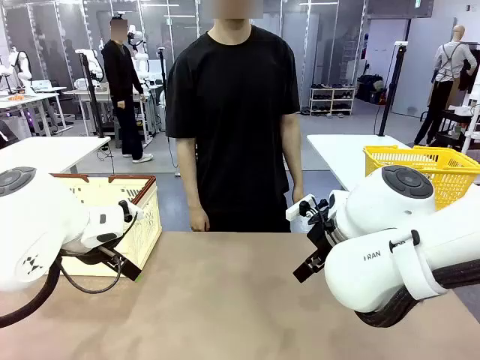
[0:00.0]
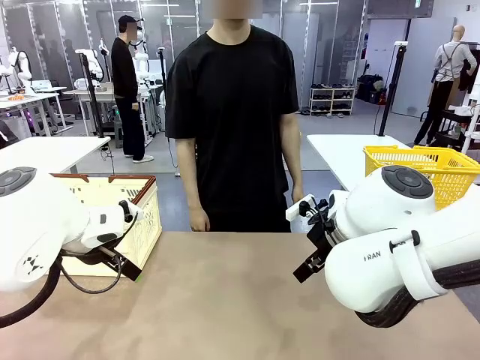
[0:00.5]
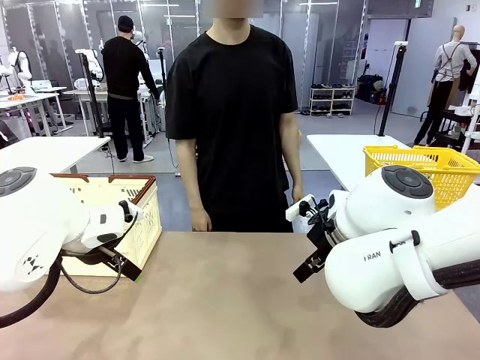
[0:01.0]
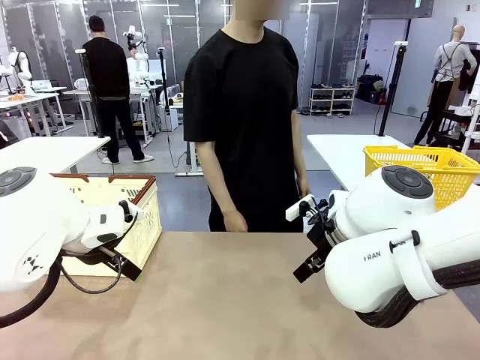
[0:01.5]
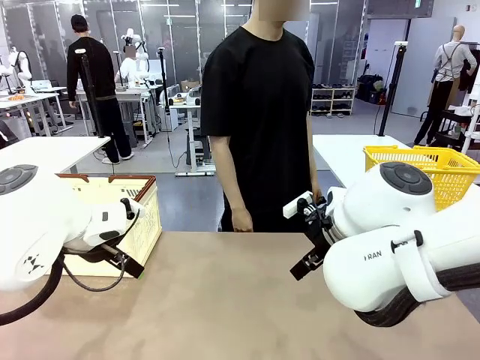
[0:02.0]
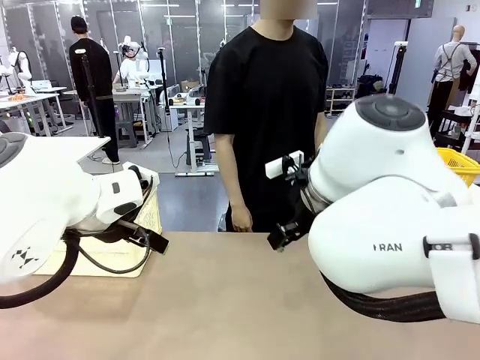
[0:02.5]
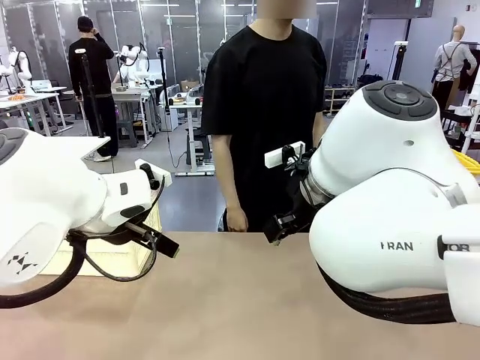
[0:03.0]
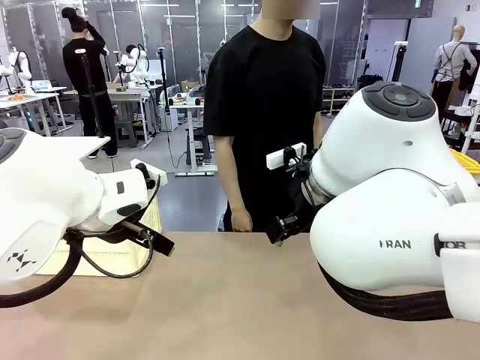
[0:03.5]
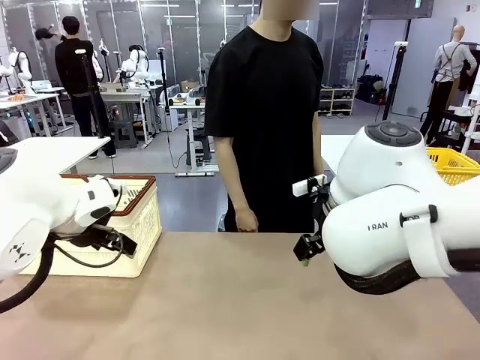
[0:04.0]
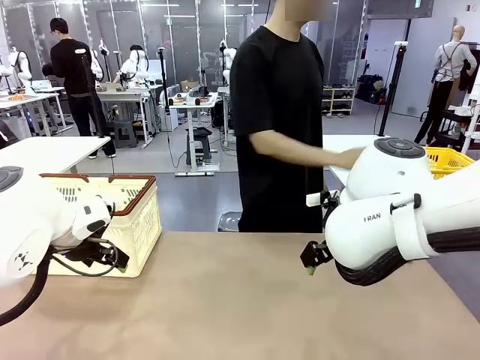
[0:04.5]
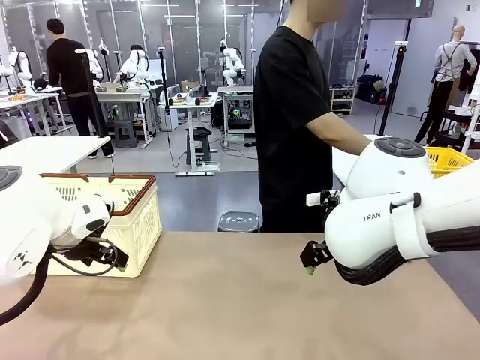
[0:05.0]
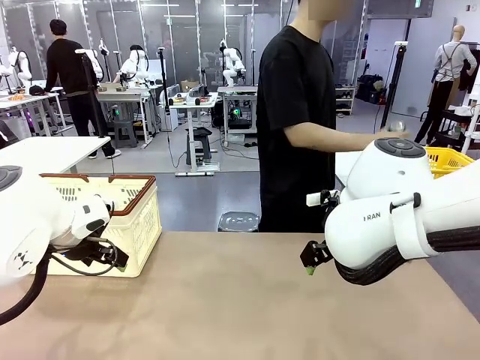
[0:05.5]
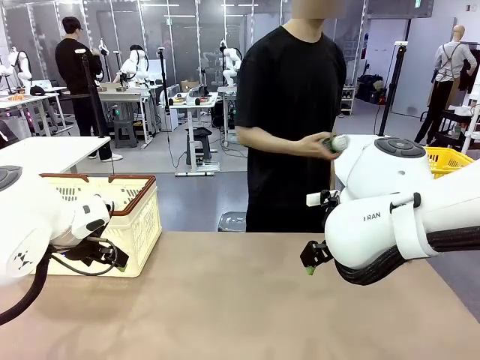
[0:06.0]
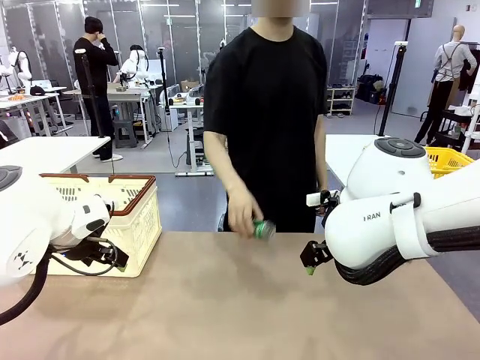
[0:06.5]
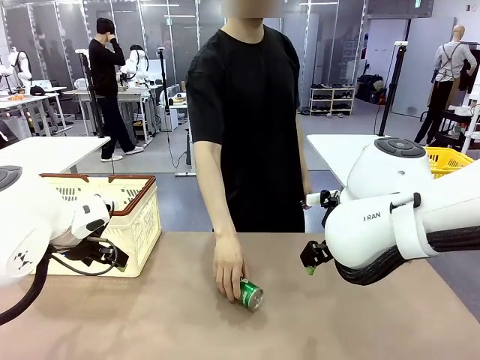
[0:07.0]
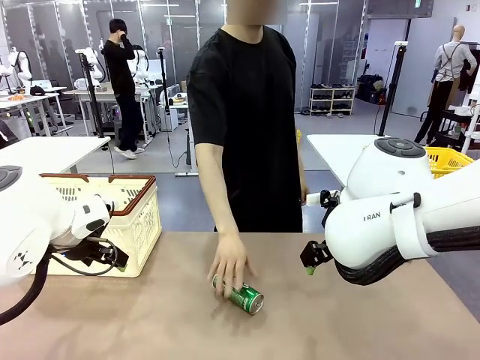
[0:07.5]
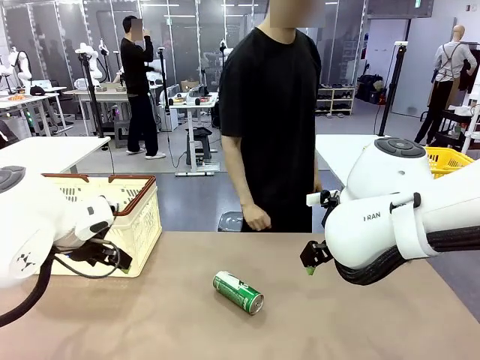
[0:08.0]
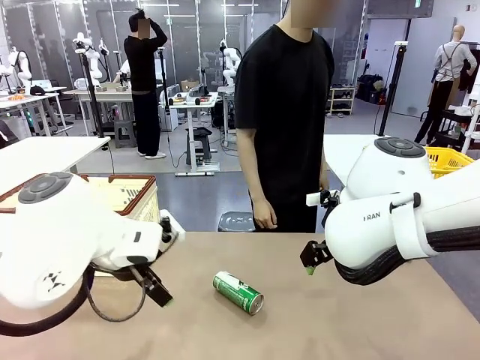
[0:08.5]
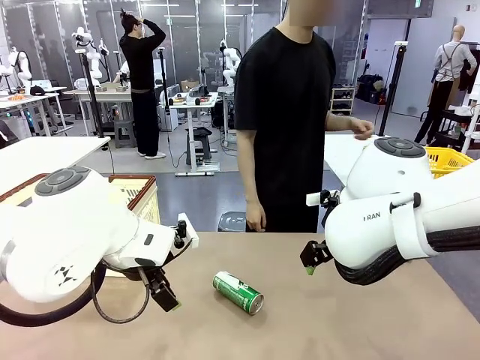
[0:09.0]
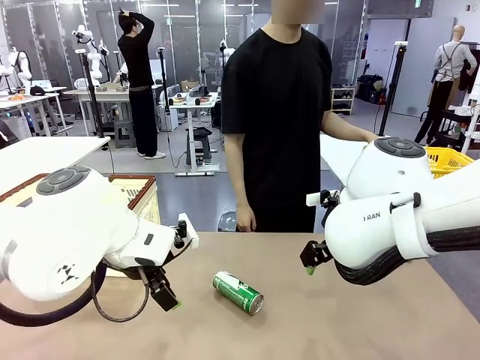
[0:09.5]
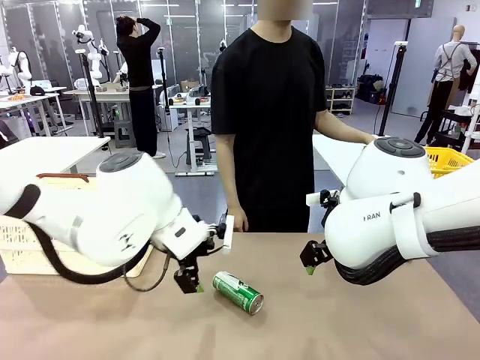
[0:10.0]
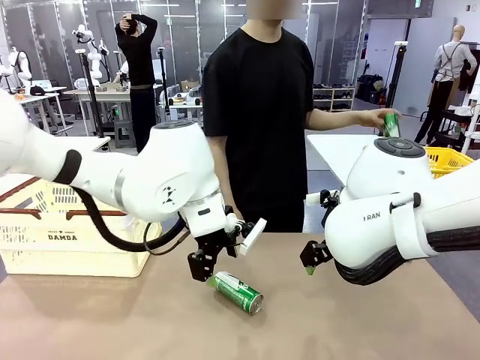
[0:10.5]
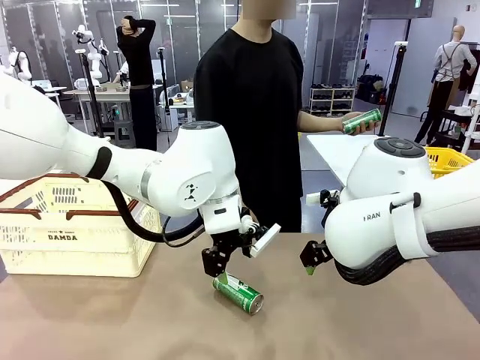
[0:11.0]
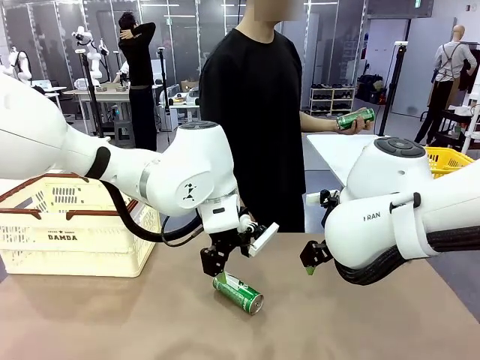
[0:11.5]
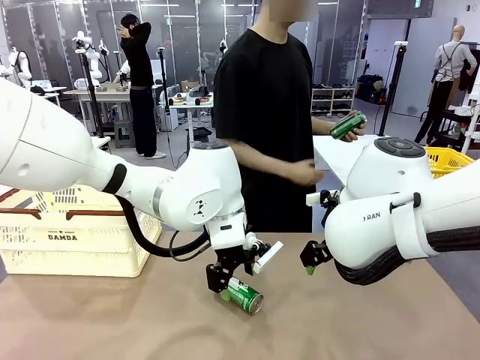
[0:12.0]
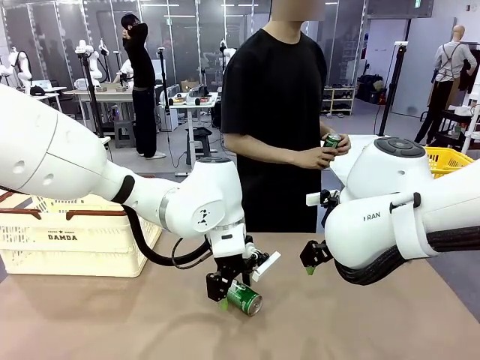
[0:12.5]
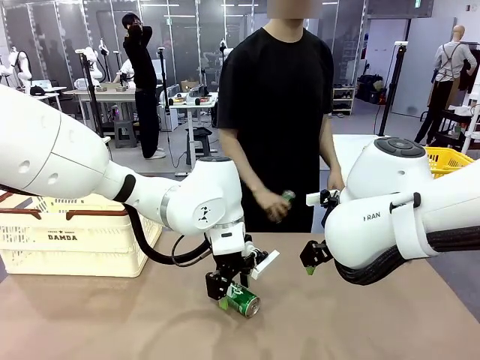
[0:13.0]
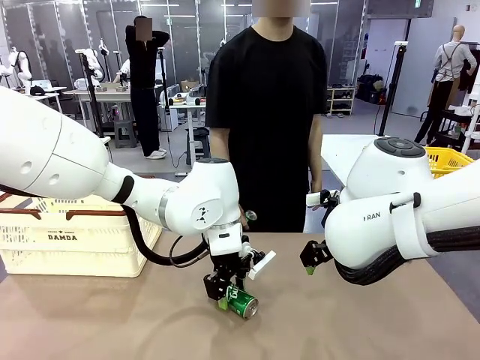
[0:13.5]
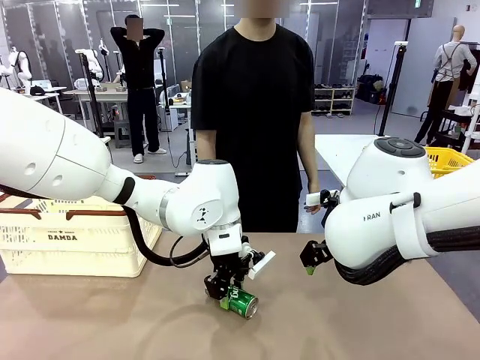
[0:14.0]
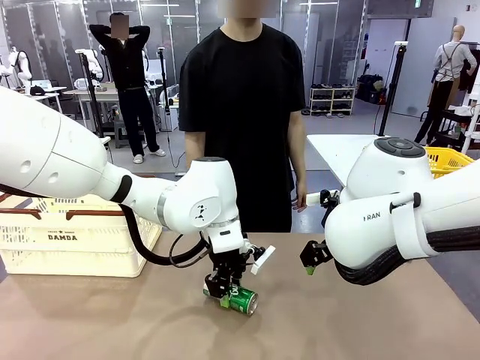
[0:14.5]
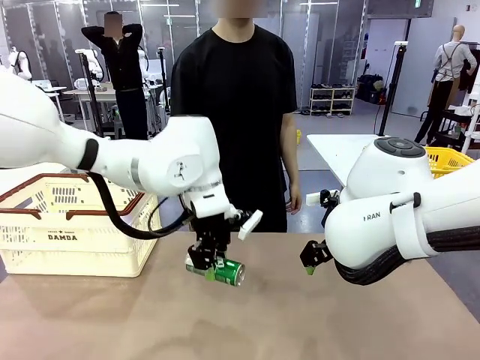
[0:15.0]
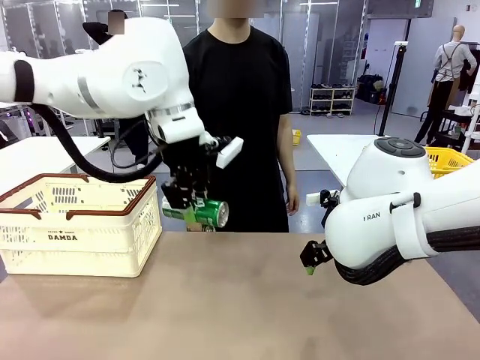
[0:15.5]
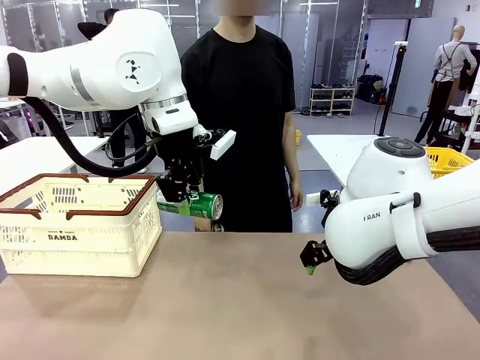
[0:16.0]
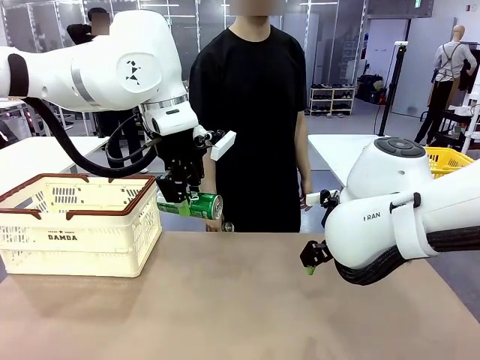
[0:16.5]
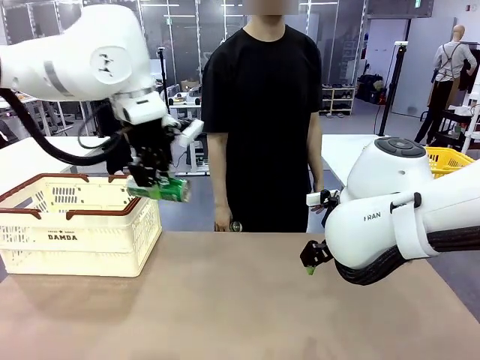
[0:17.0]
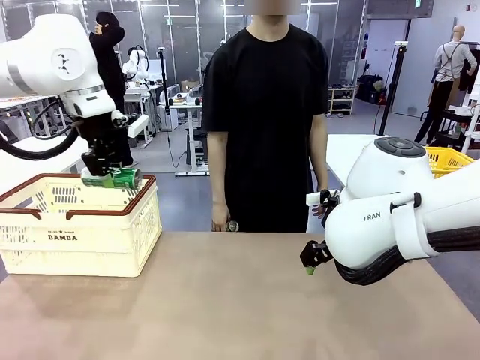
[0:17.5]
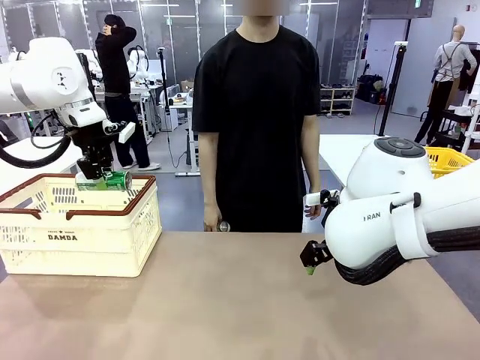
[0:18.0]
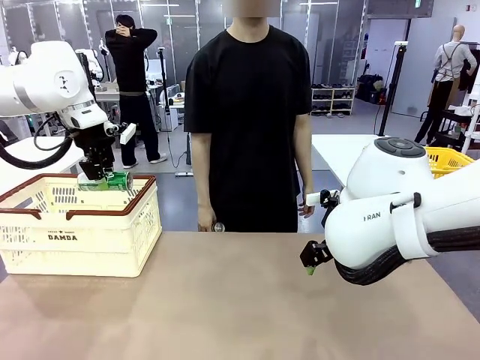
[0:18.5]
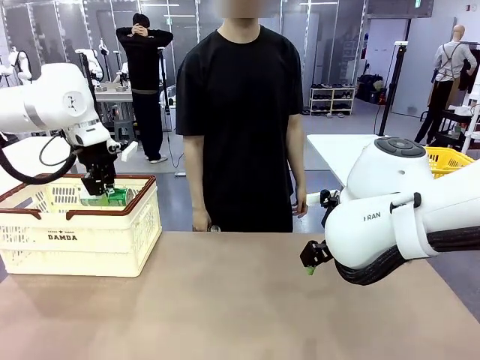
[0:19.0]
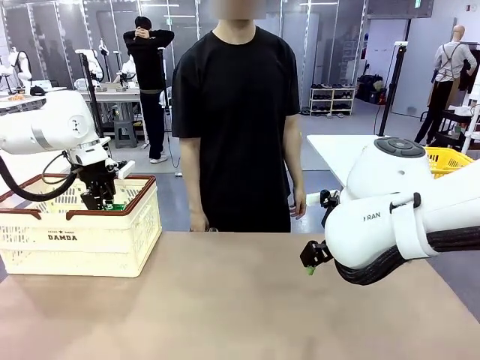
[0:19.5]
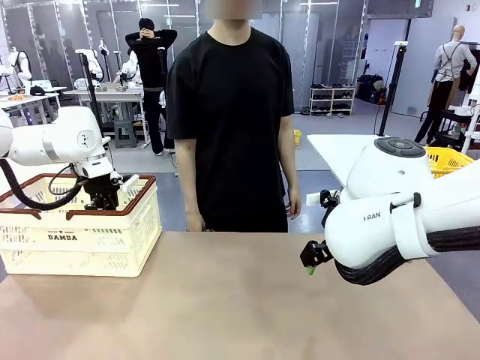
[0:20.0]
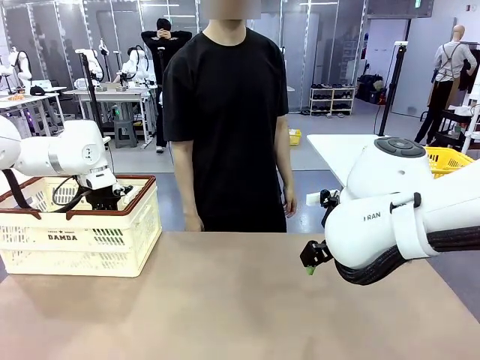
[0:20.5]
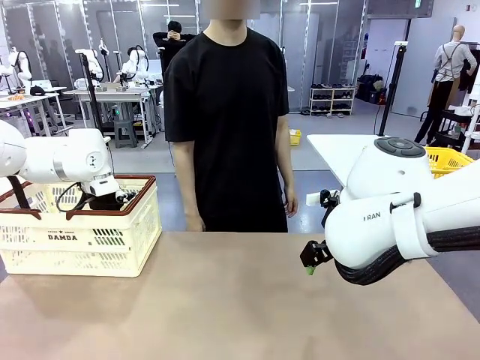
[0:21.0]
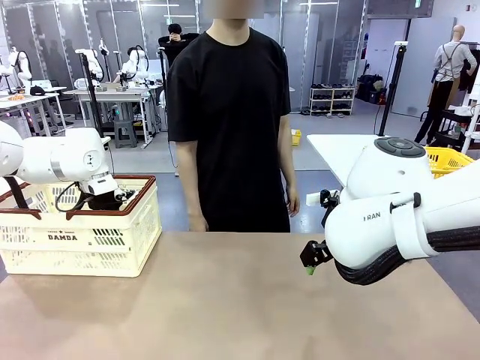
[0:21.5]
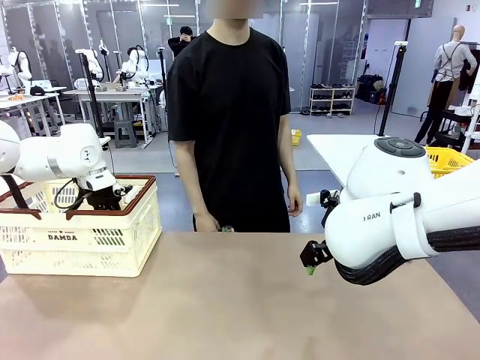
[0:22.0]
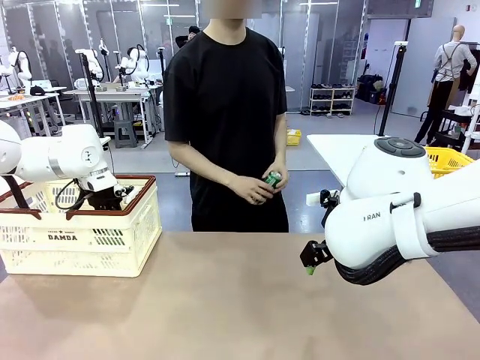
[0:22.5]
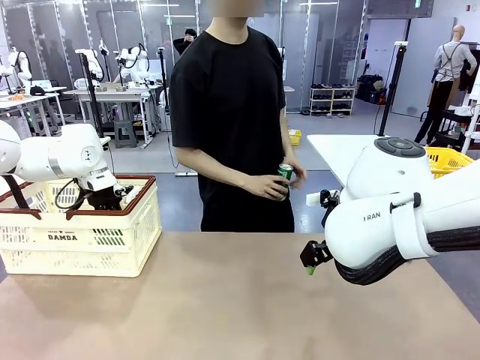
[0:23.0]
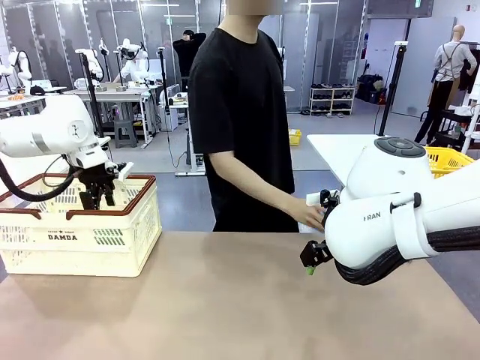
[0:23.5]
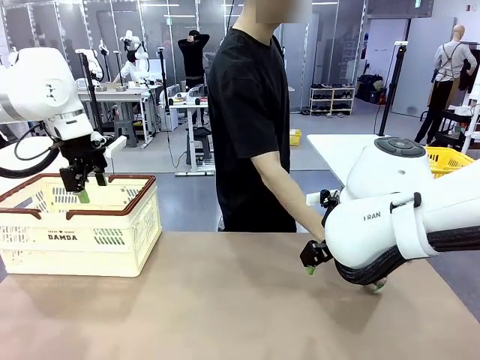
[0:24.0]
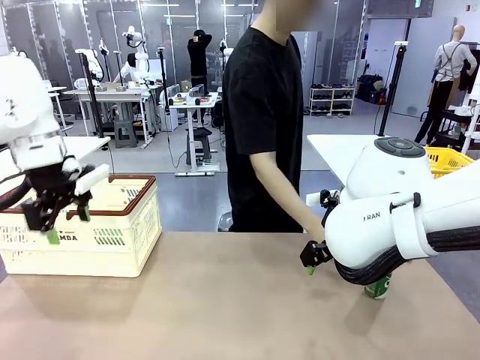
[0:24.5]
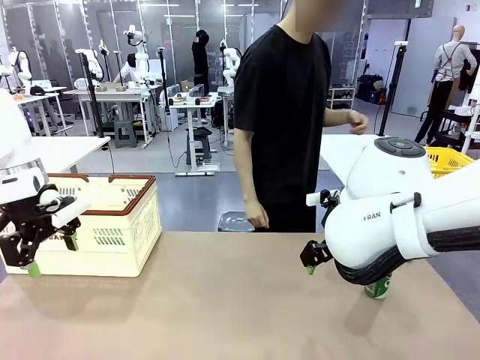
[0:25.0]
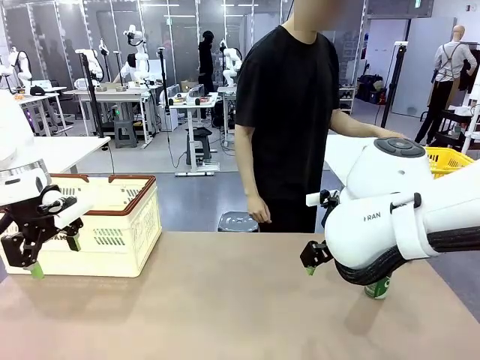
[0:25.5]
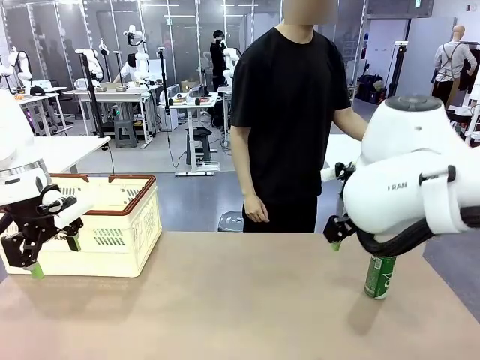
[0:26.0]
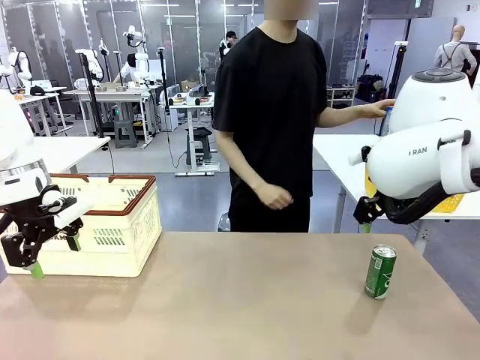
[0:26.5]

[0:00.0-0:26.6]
Task: Place the drinks into the Shopping basket.
Robot: Pick up one drink and place it into the Shopping basket.
